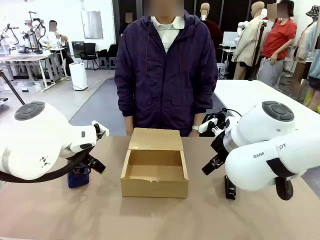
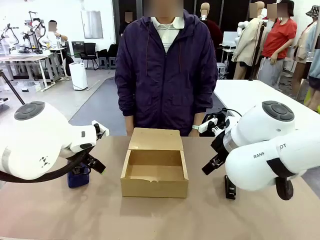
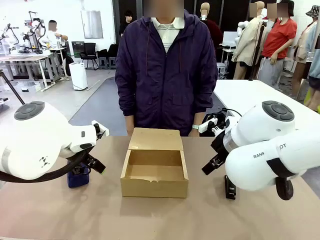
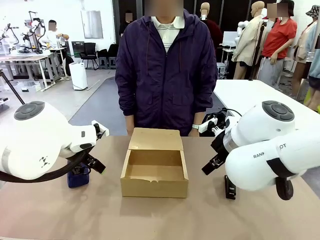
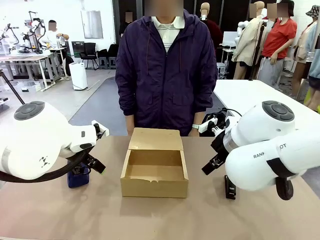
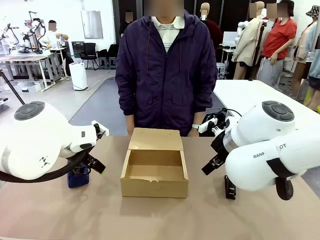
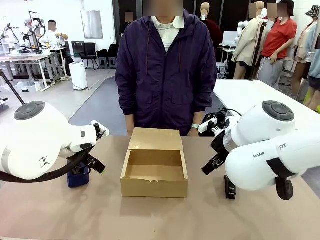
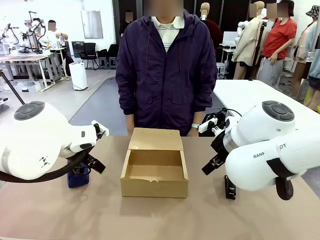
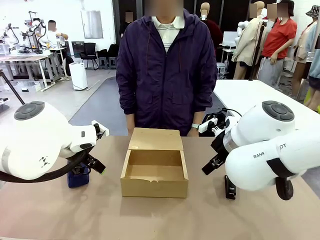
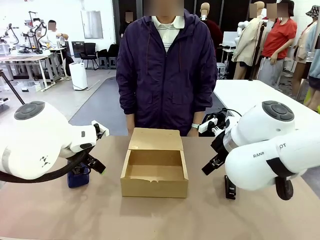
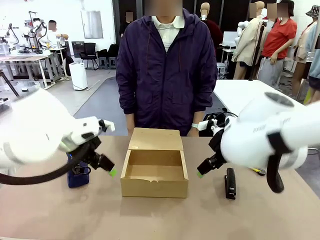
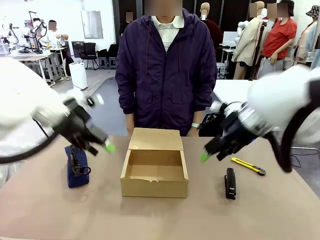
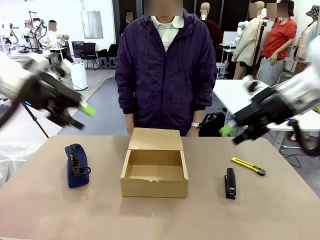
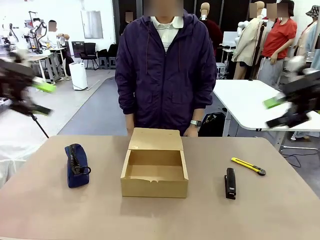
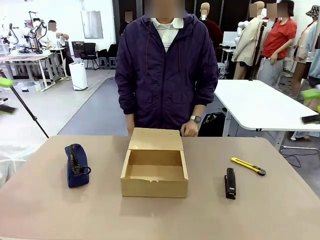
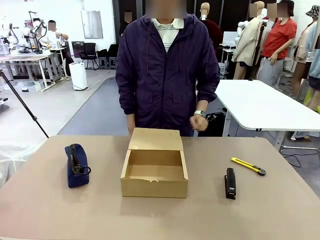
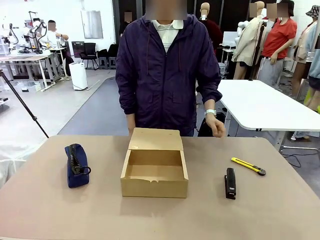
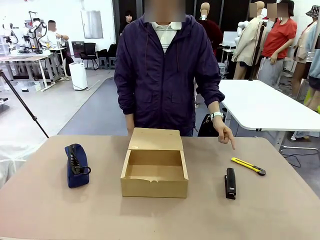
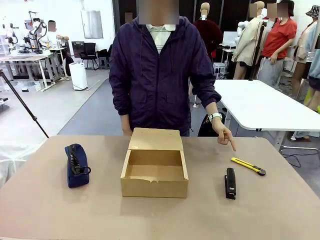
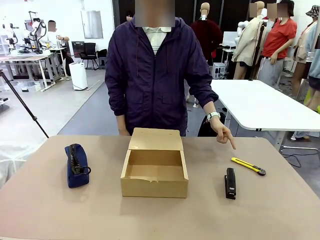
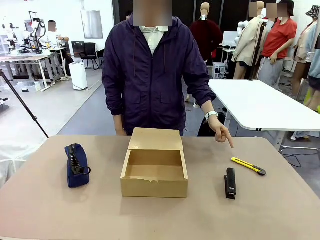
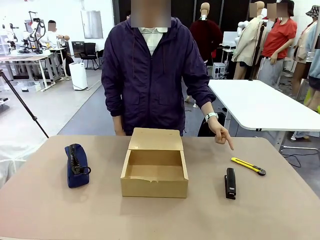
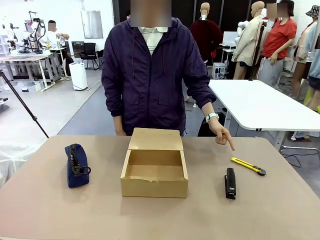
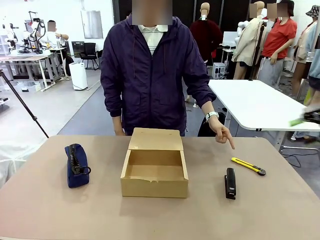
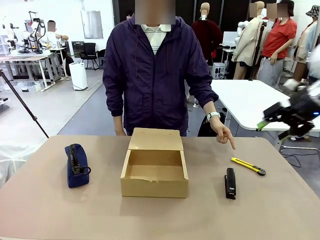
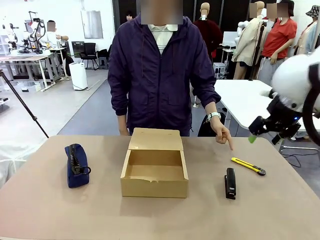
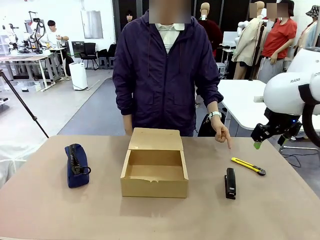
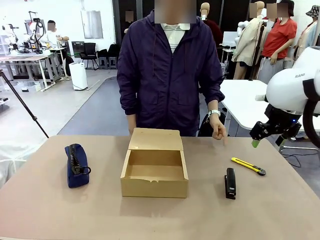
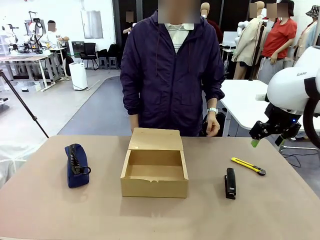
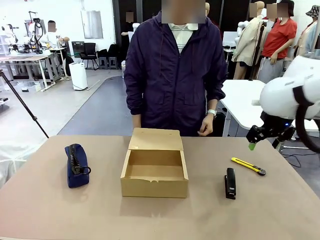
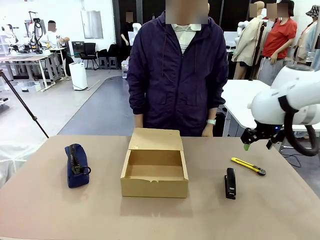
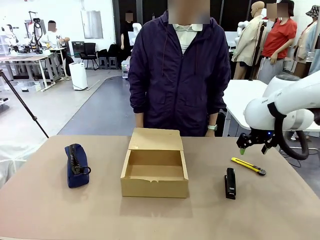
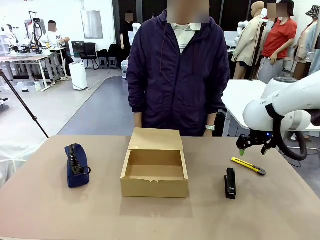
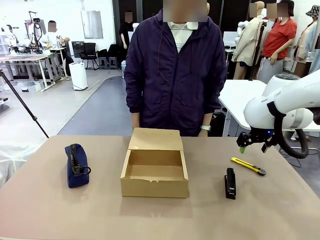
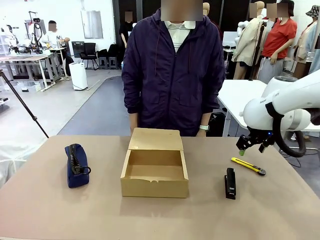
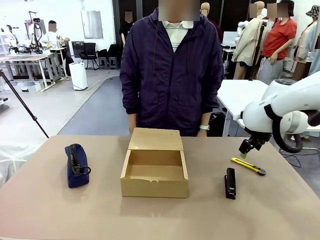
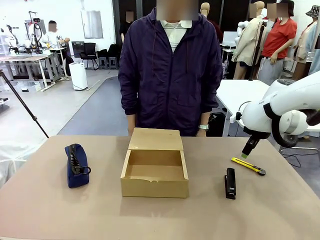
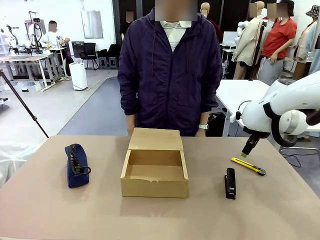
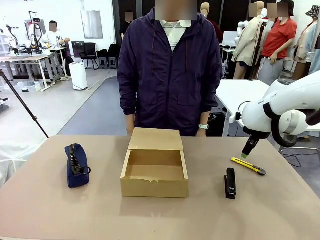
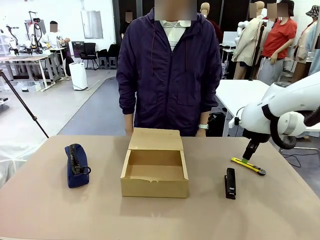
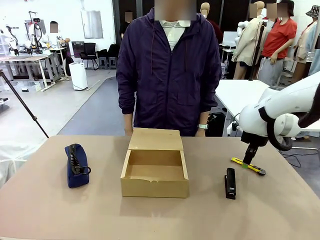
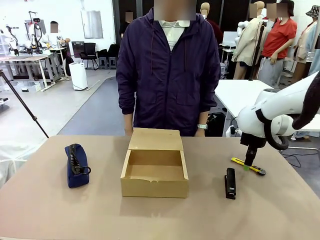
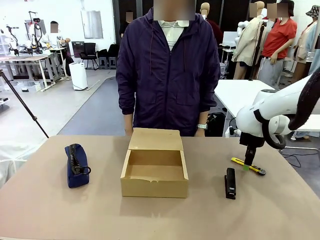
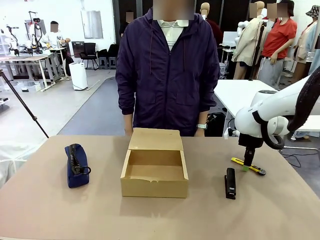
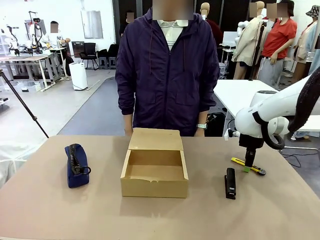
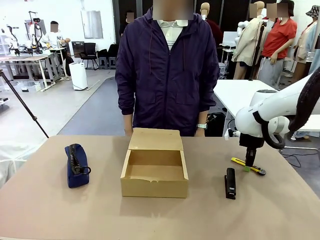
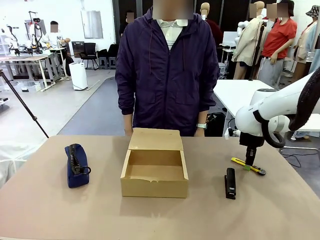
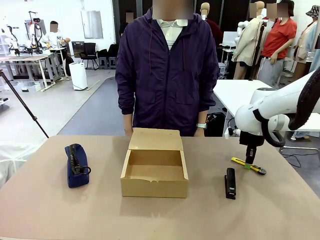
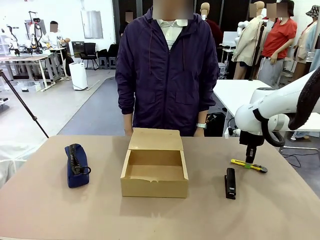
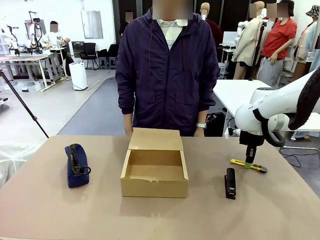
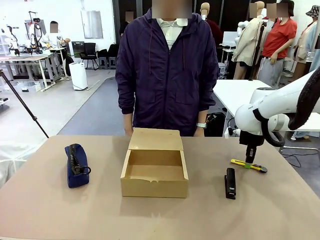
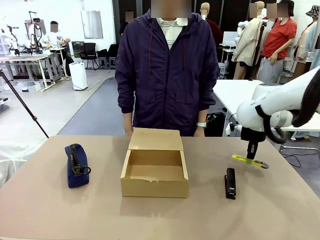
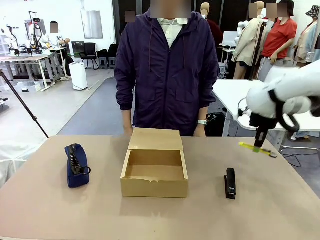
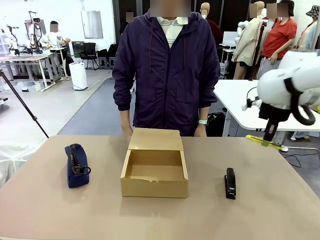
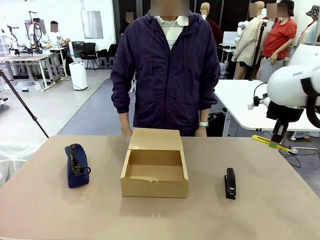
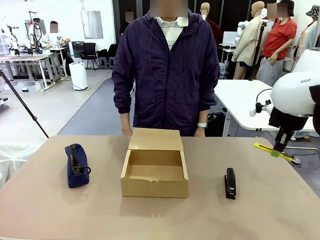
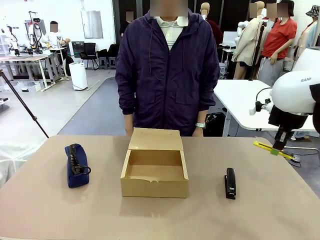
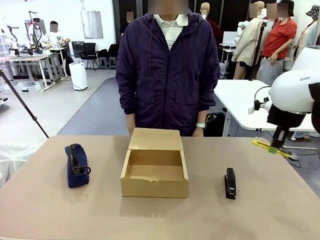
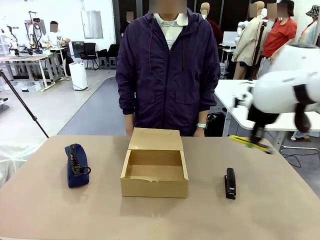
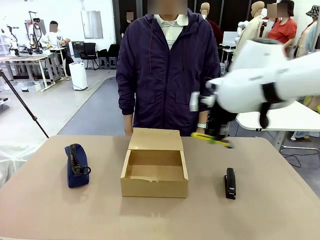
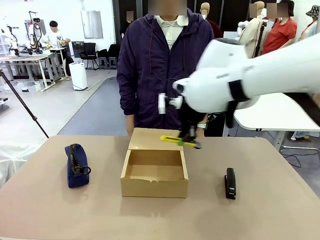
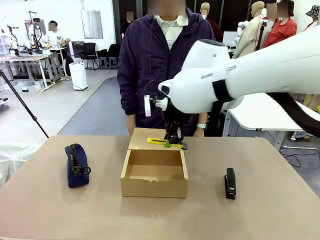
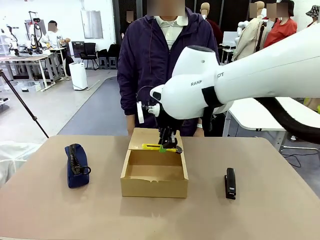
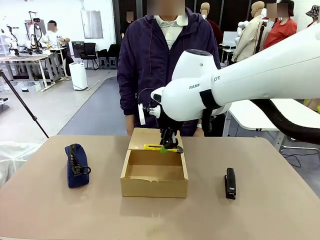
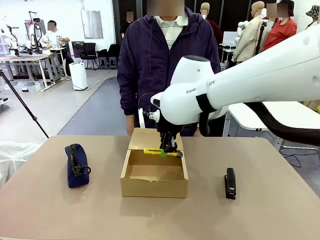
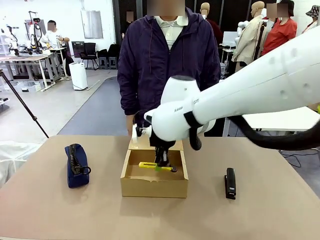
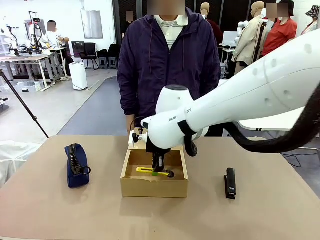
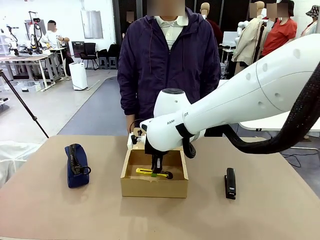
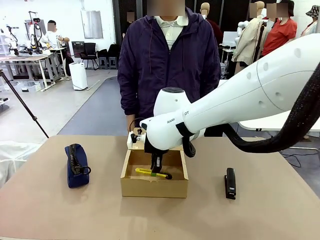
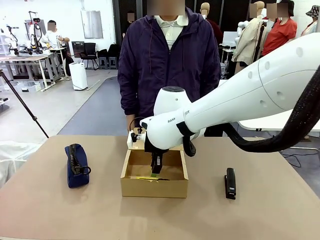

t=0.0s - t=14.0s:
Task: Pack the items into the box.
Robot: Pick up the item specified by the human and place it in the Mailer Box.
Person: Point at one item on the table (excluding the box).
